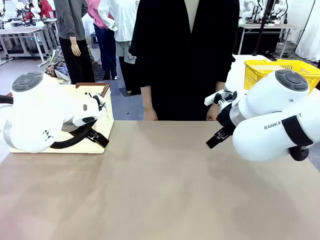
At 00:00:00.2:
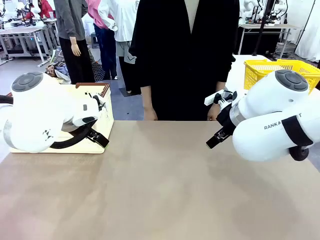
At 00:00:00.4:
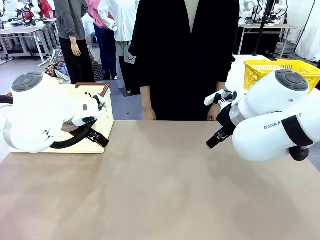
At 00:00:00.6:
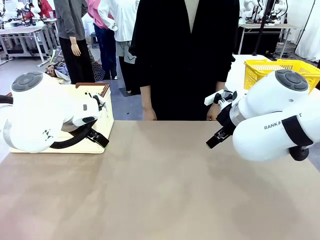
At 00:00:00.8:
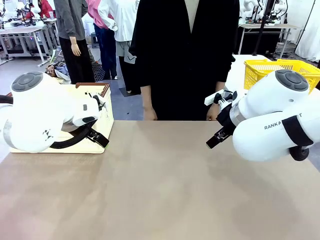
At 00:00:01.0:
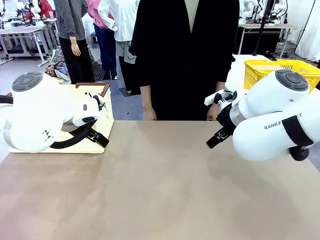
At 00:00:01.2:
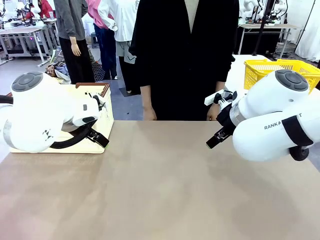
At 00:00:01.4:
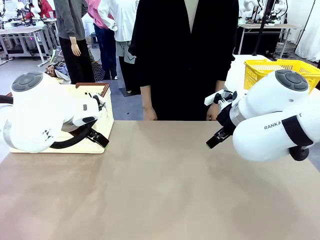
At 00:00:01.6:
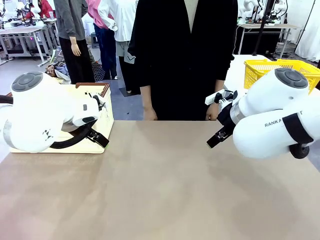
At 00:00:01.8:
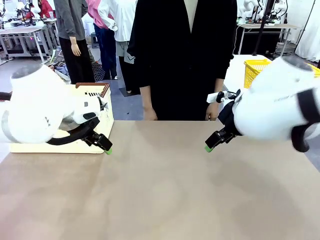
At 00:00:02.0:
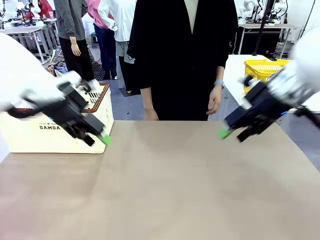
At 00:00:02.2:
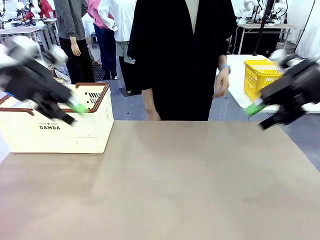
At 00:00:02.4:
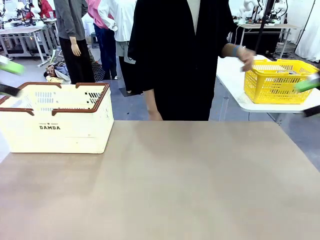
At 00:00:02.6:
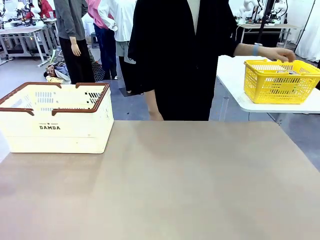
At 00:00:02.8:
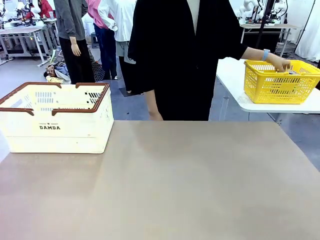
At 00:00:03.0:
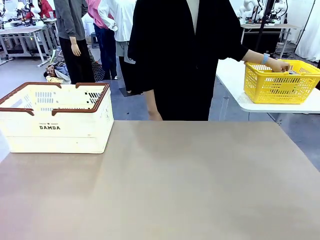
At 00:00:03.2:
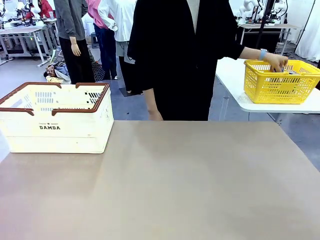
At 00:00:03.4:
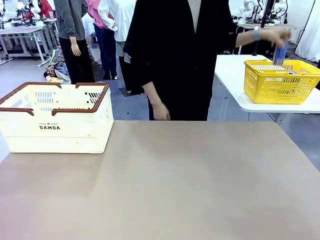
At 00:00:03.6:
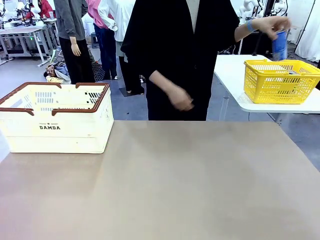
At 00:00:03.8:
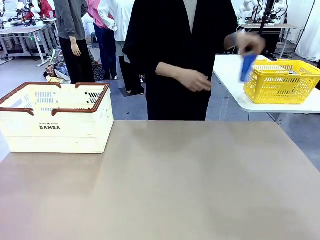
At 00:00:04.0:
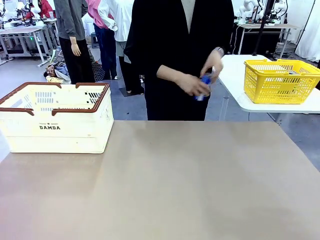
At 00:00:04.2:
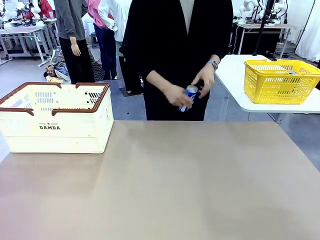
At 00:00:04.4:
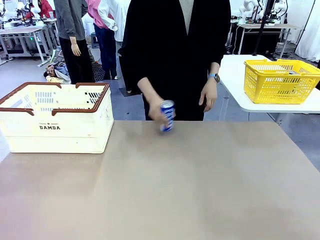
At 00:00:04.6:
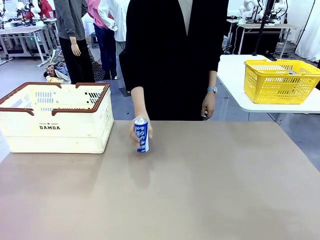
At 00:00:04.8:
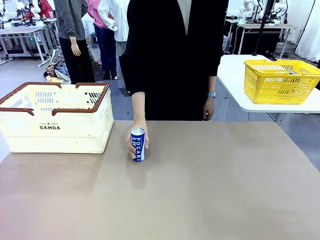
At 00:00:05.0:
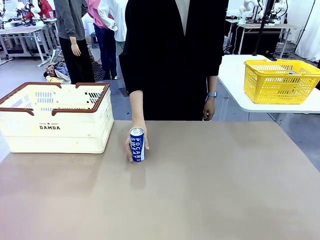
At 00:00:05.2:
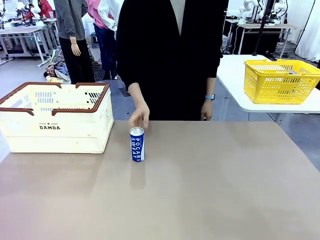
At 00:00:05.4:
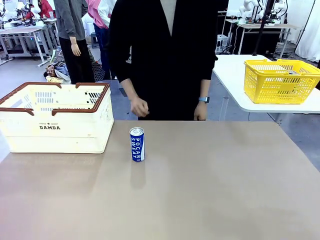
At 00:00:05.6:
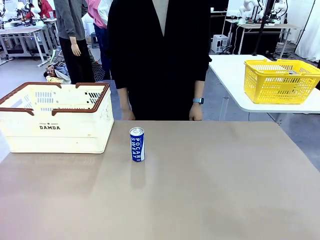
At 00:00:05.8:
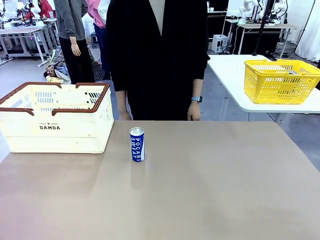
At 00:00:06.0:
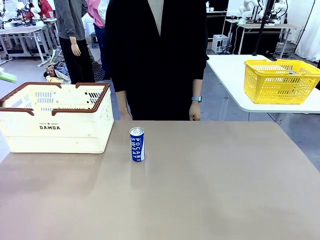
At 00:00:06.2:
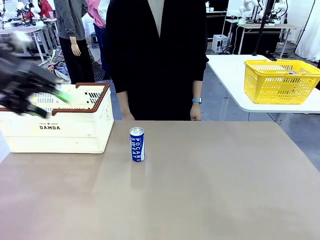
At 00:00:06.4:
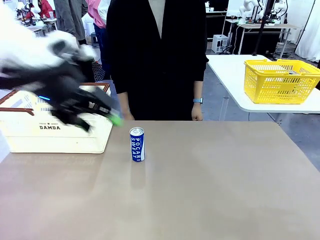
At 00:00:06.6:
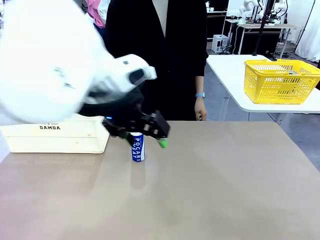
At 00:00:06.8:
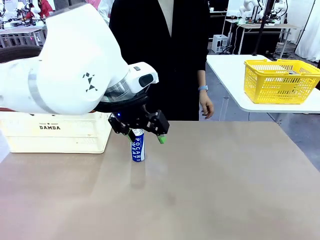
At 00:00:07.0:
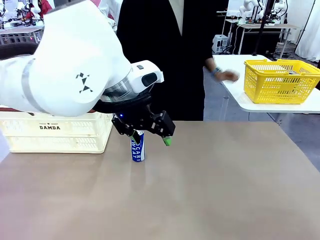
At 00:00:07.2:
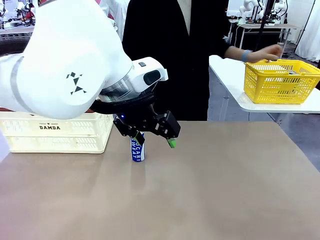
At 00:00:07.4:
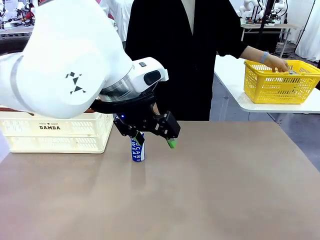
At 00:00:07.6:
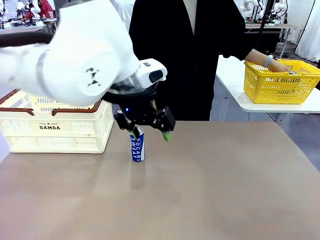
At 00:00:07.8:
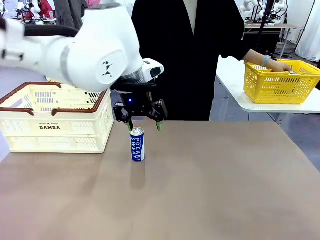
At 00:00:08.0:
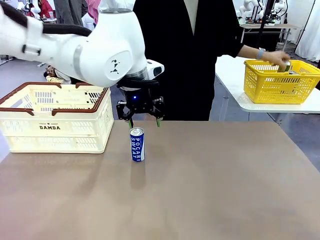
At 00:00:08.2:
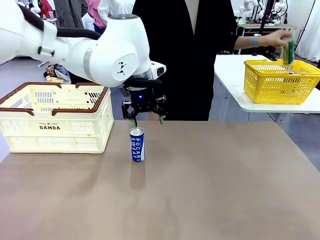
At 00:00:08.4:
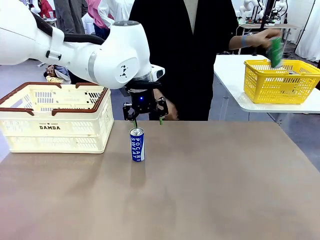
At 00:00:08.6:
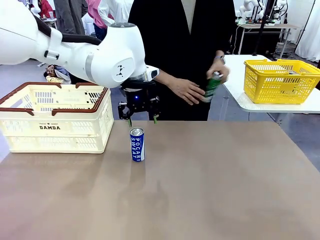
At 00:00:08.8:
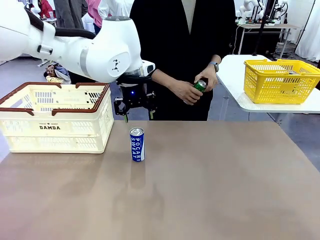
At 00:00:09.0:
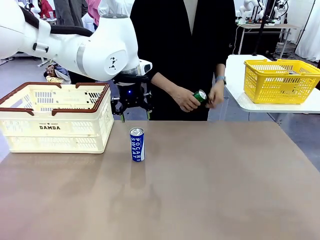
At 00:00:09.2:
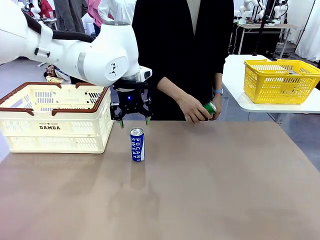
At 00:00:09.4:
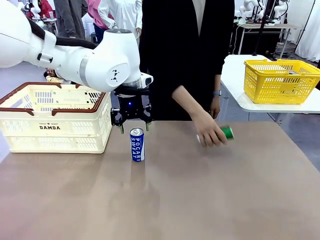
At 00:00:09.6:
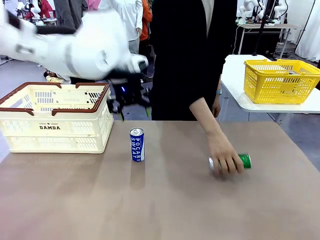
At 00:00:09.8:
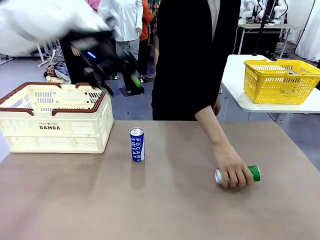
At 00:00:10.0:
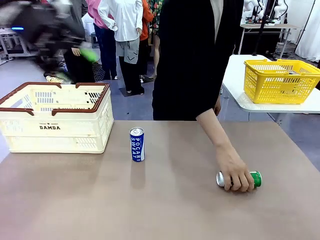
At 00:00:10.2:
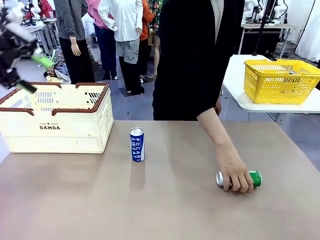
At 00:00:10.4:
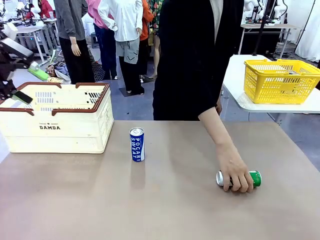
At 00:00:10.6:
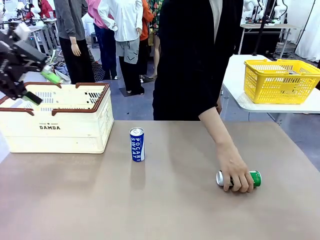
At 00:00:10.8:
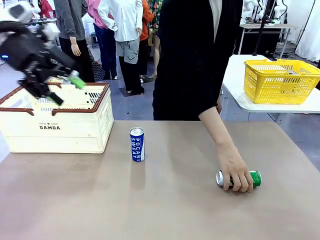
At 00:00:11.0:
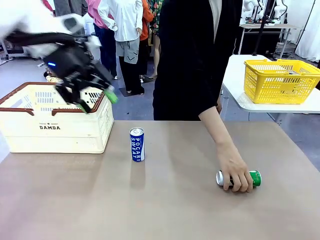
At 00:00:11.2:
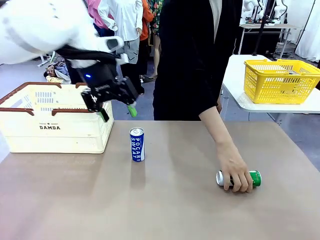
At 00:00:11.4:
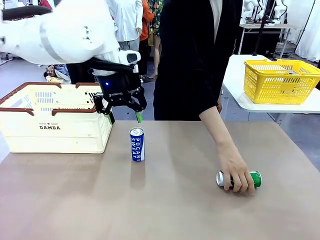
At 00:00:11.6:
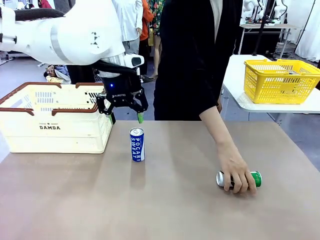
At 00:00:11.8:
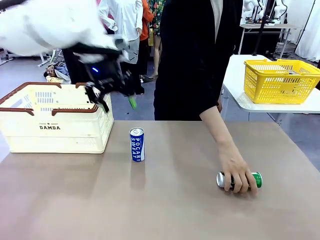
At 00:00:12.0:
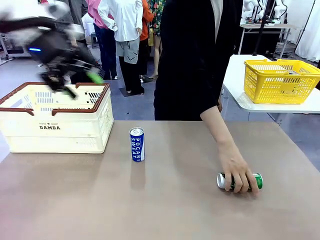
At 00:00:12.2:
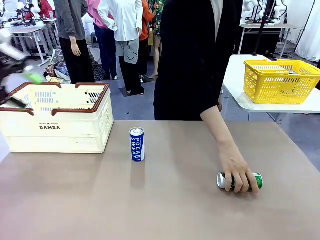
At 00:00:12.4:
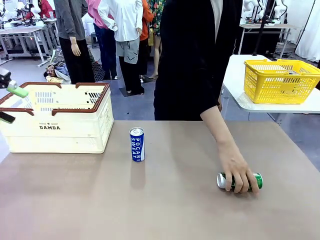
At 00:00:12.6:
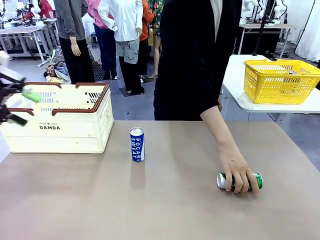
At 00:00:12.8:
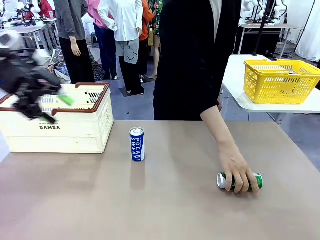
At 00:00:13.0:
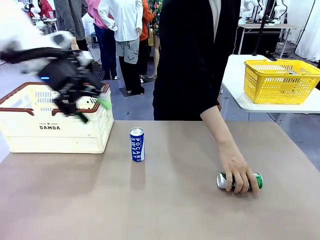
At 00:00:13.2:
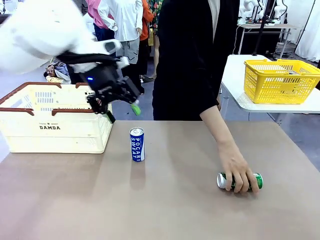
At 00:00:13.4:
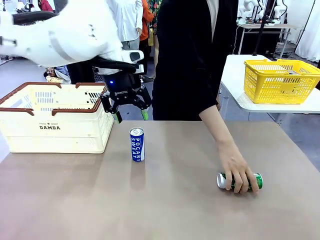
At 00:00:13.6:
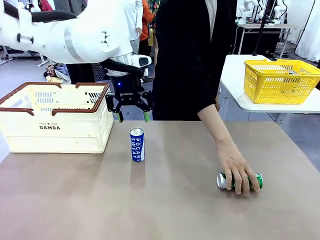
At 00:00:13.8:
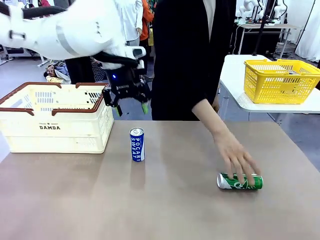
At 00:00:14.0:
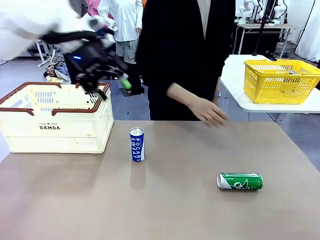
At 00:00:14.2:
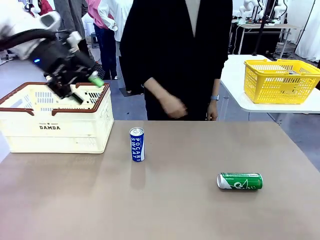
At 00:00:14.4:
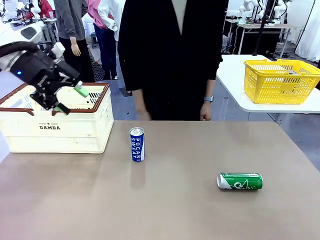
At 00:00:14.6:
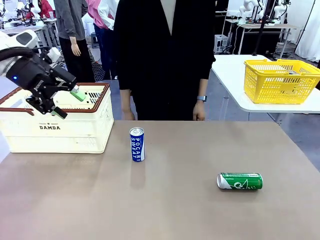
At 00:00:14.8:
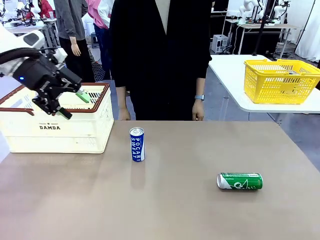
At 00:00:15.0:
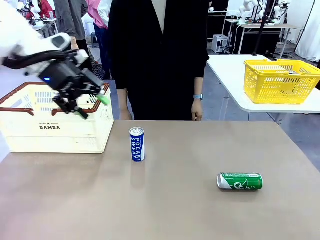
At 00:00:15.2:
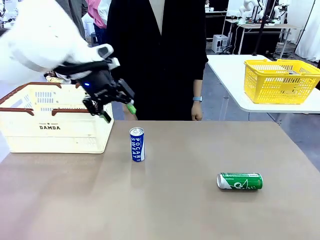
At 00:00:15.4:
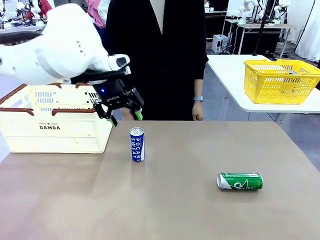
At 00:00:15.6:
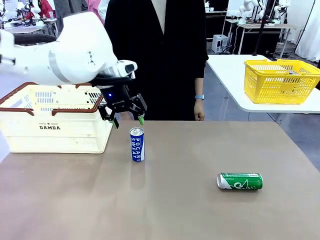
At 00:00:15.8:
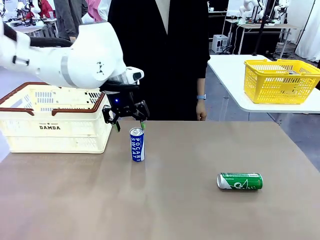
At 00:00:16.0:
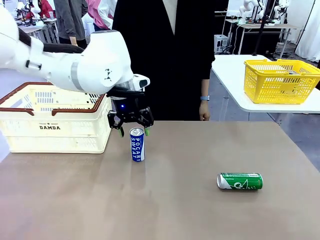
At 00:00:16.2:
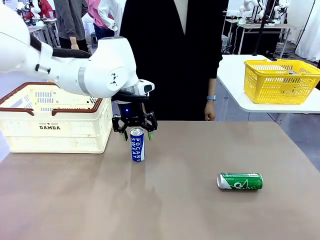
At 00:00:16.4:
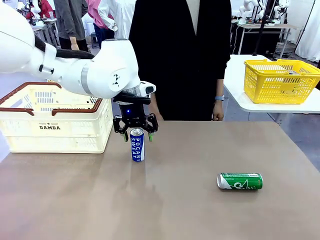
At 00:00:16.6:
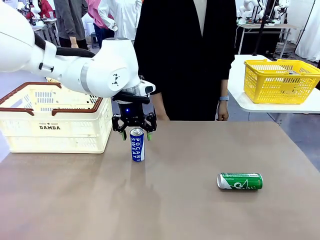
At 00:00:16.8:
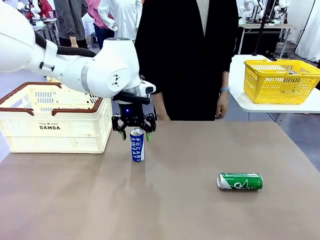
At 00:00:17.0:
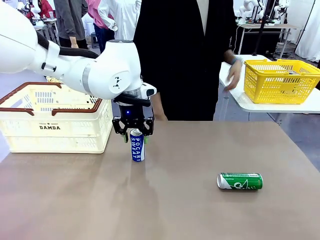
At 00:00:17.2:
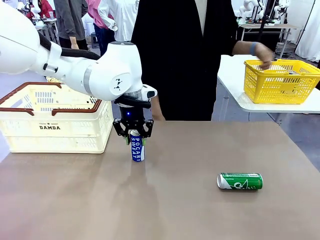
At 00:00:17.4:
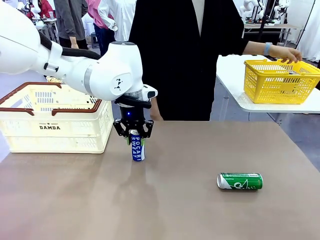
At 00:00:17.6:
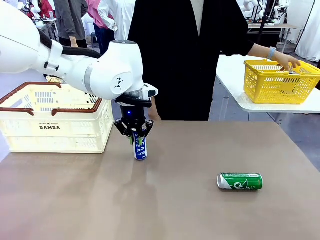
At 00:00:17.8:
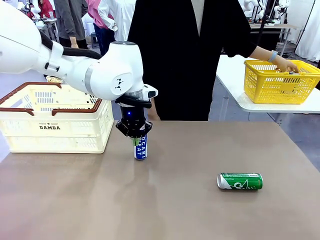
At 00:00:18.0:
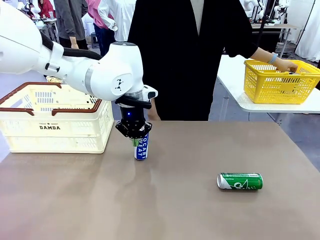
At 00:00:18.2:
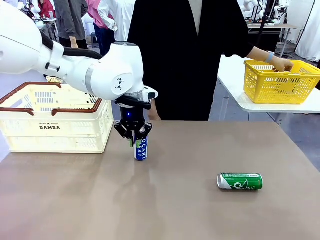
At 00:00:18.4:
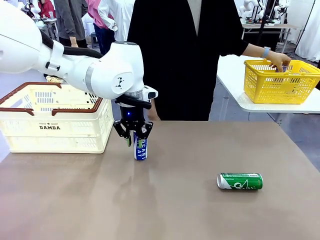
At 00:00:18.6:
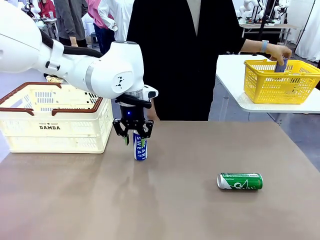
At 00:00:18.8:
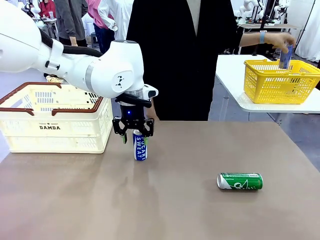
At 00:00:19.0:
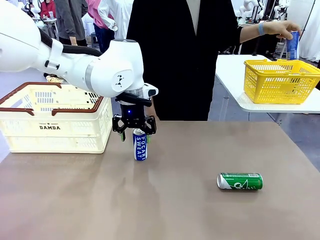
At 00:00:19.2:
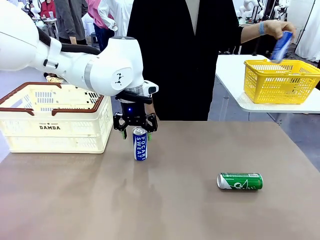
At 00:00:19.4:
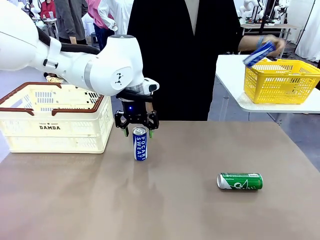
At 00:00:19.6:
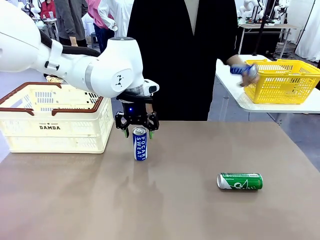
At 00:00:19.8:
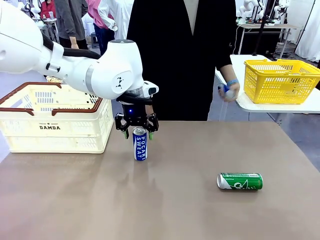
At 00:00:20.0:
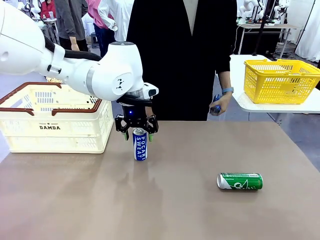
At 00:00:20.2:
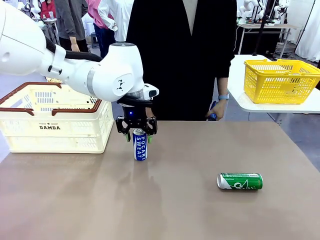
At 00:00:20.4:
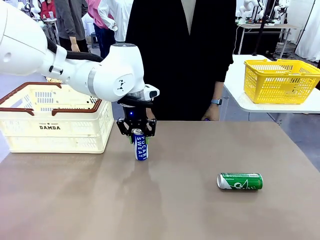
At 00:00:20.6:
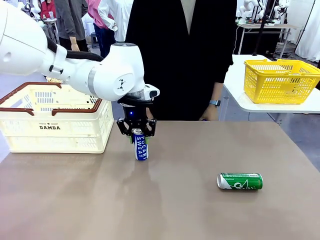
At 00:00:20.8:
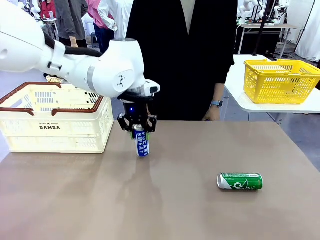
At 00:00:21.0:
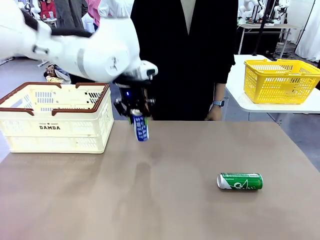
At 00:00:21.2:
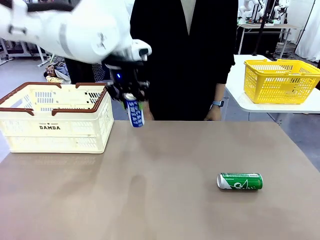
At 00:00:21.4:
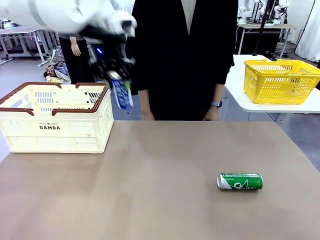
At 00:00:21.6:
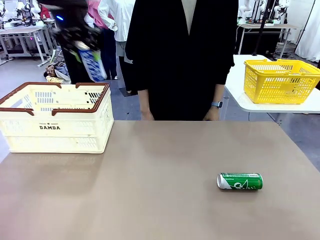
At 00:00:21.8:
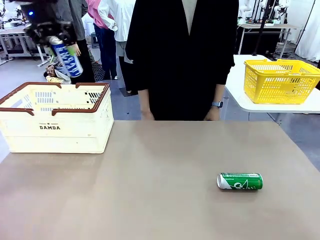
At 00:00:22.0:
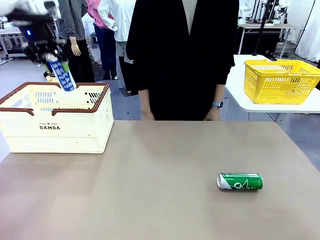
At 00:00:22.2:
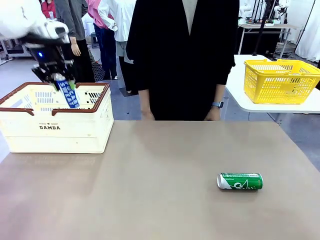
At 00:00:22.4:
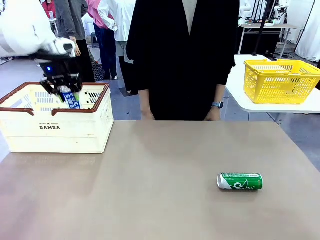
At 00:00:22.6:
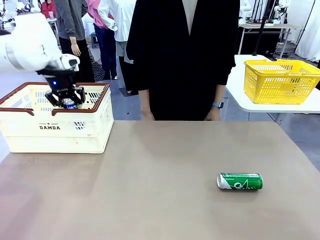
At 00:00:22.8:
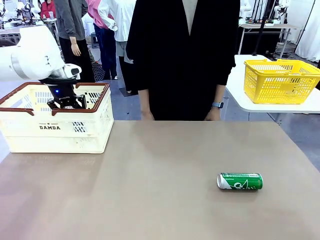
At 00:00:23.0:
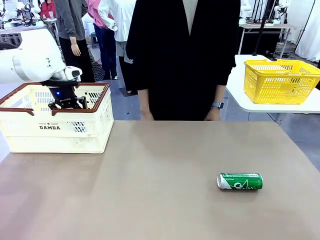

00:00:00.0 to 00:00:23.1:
Task: Place the drinks into the Shopping basket.
Robot: Pick up one drink and place it into the Shopping basket.
